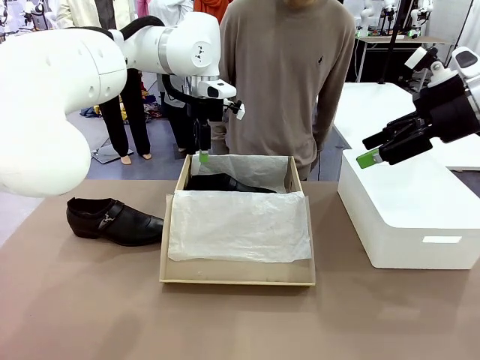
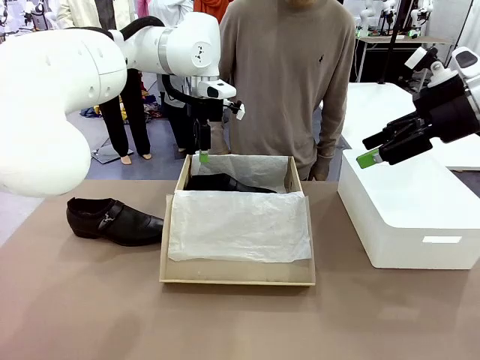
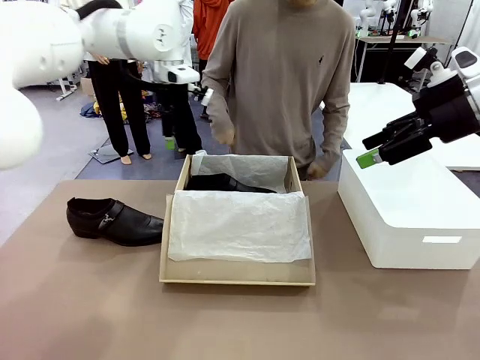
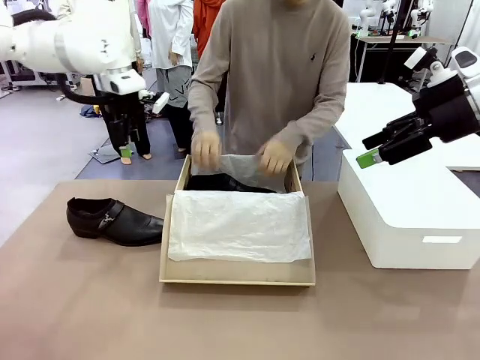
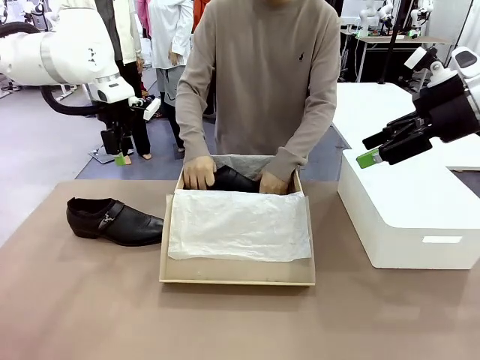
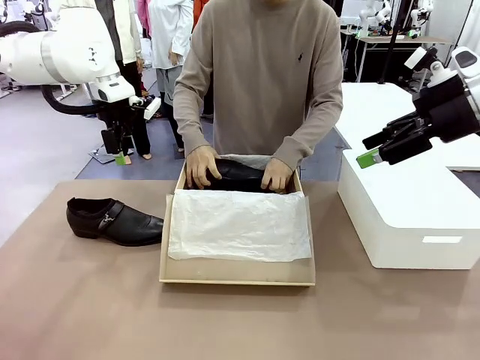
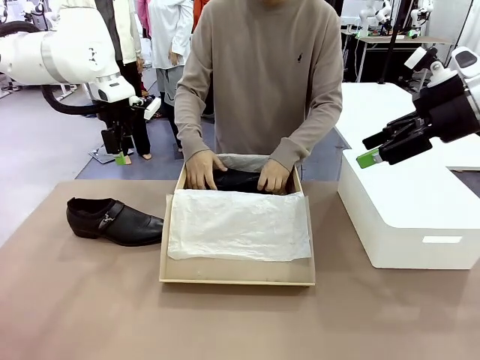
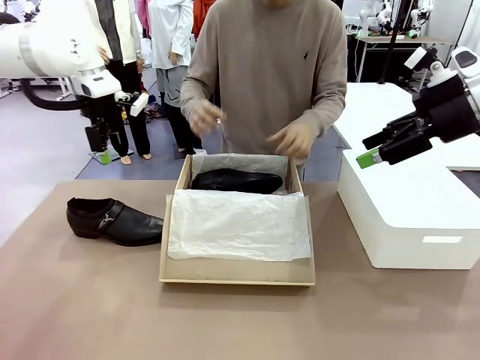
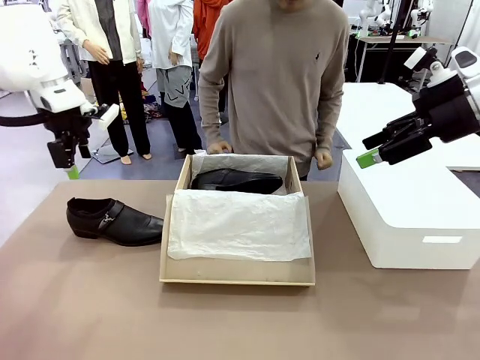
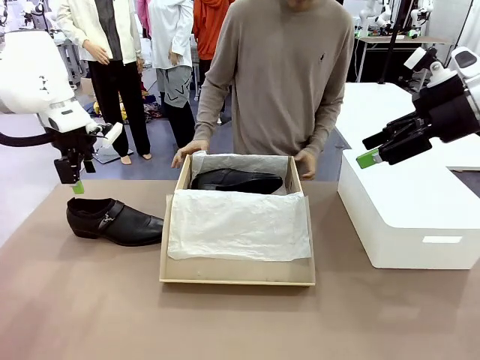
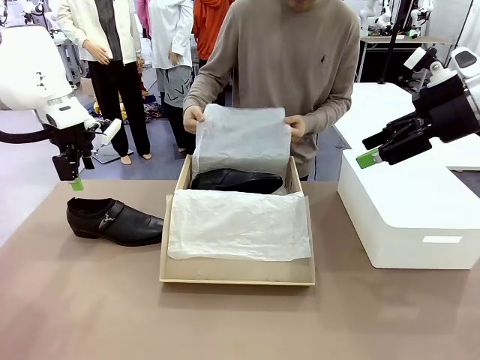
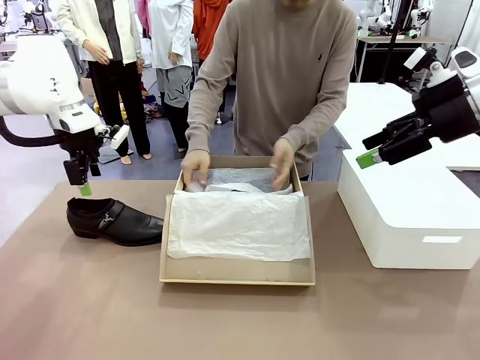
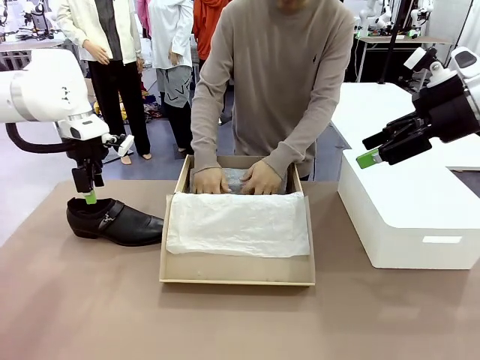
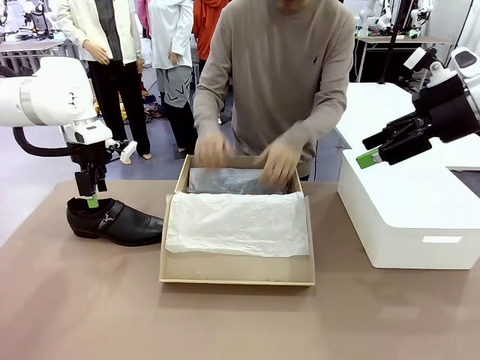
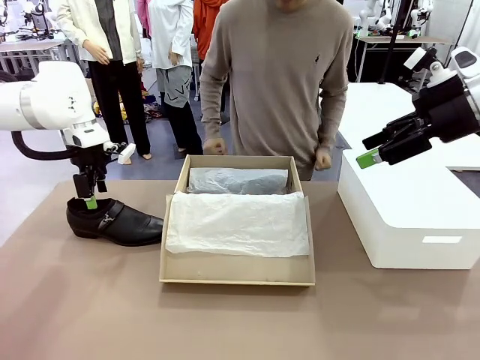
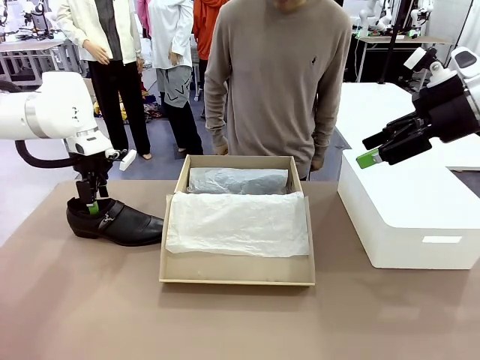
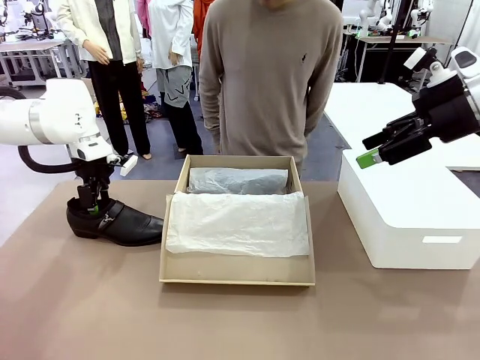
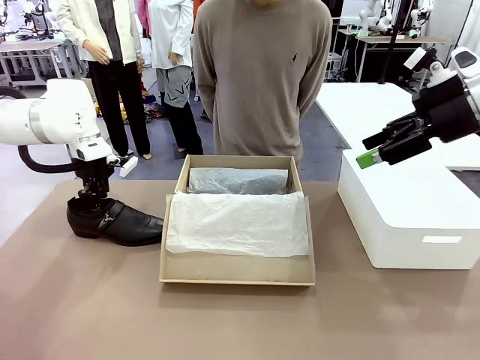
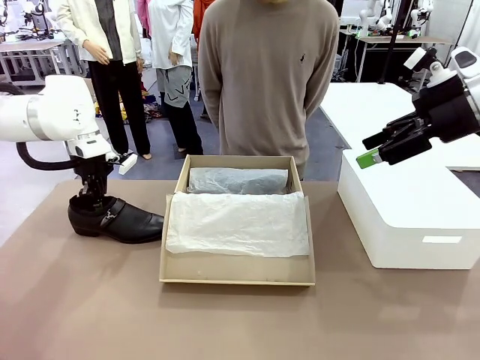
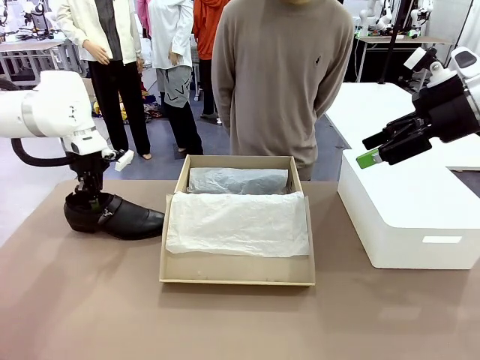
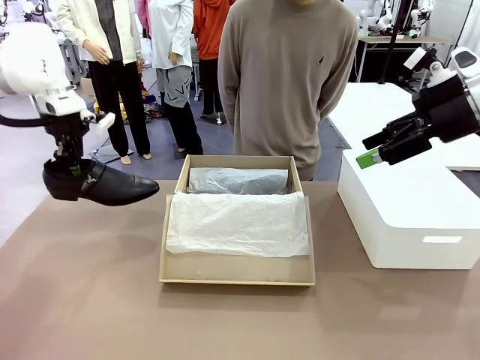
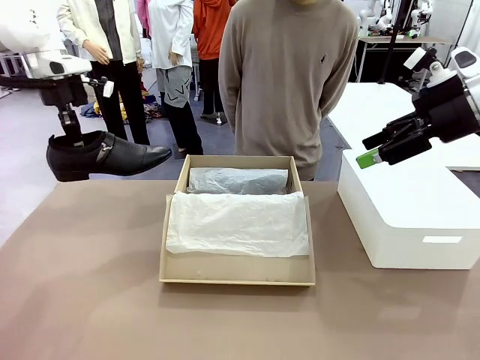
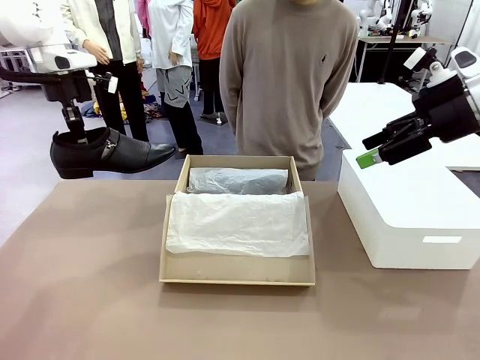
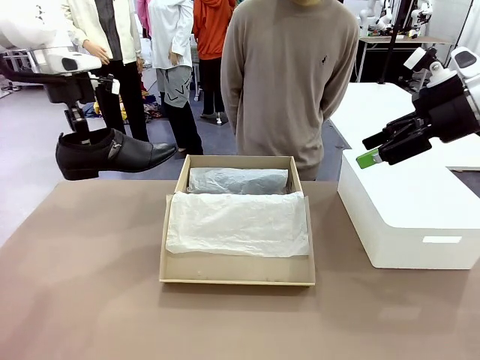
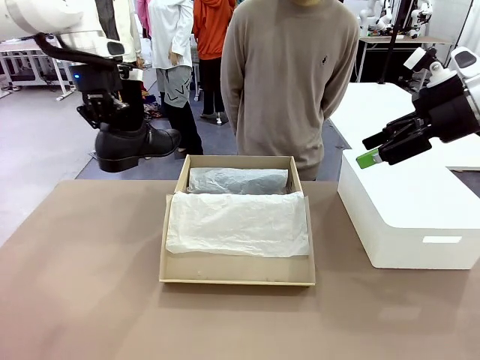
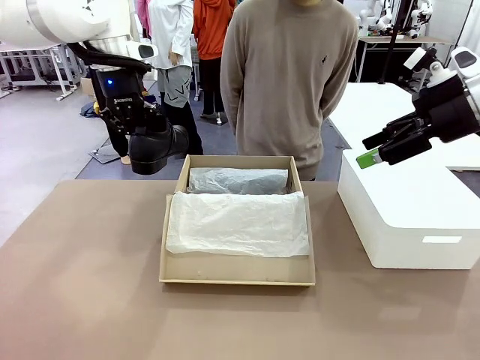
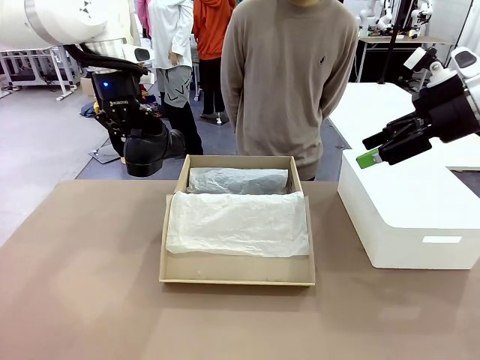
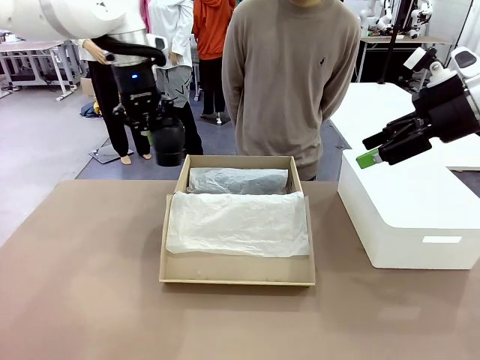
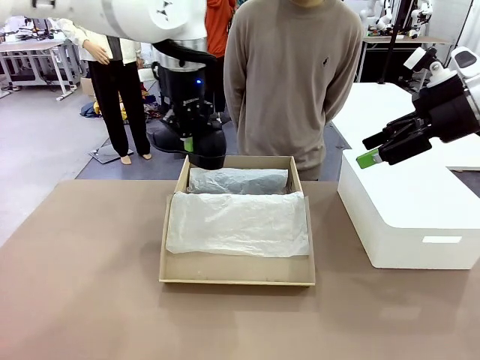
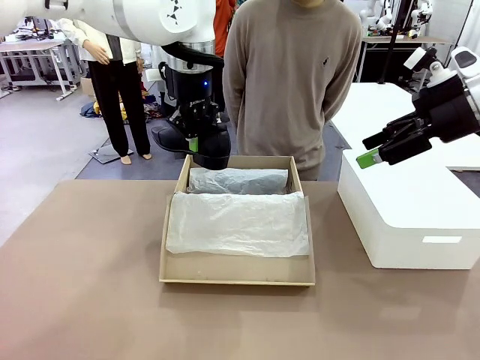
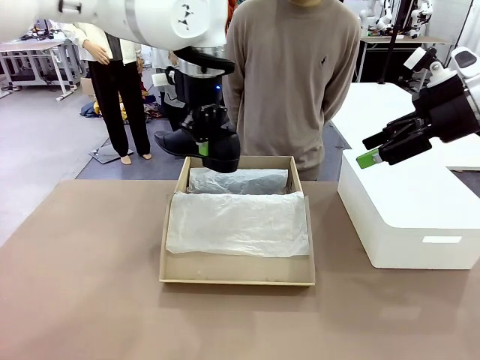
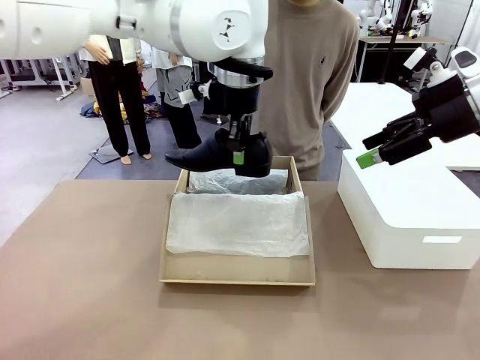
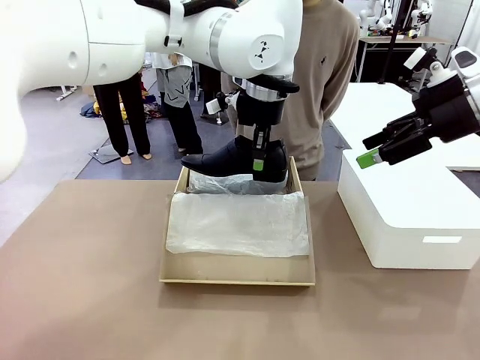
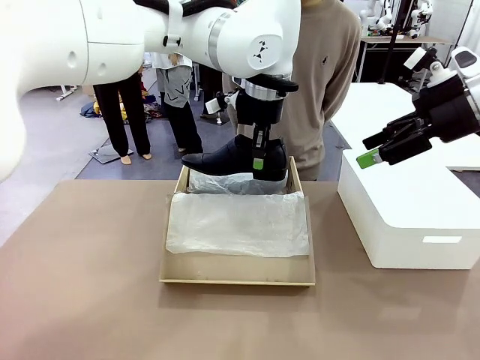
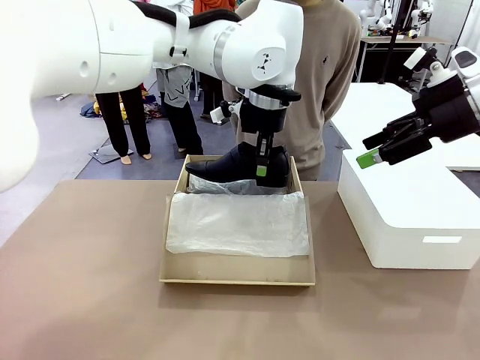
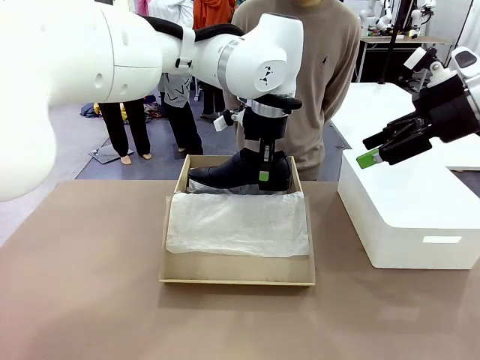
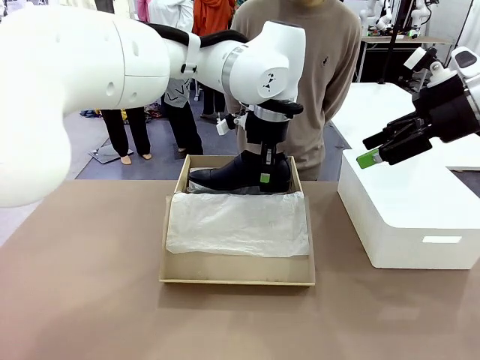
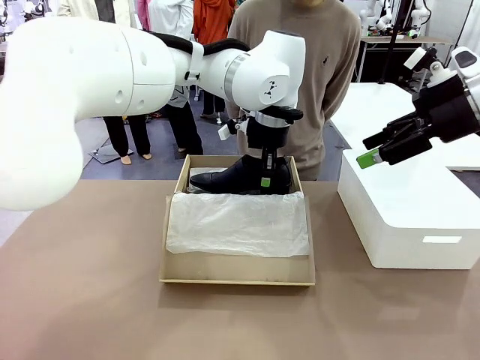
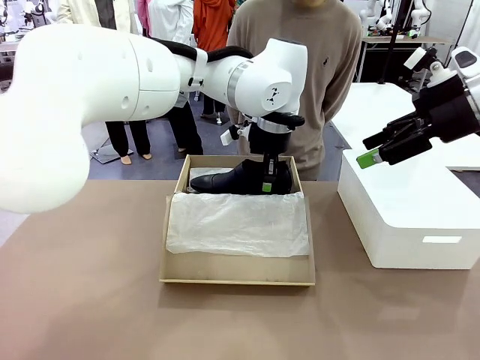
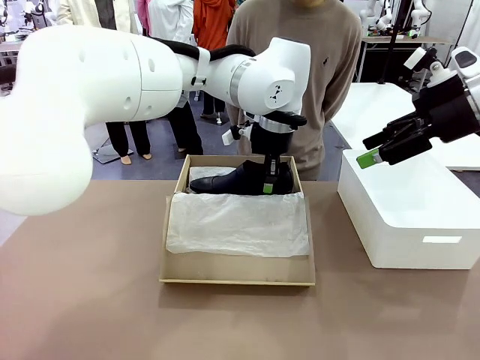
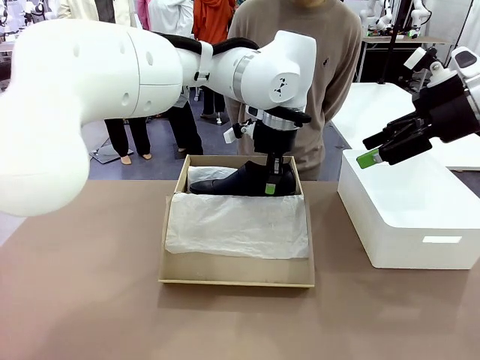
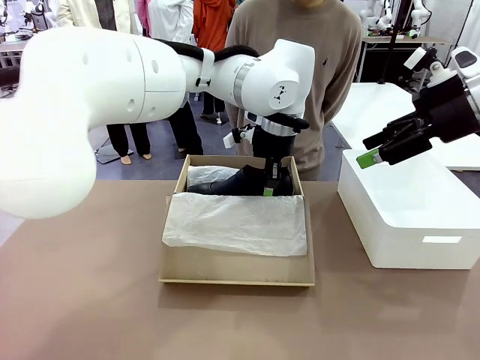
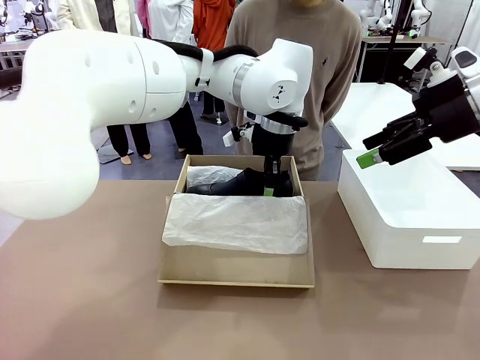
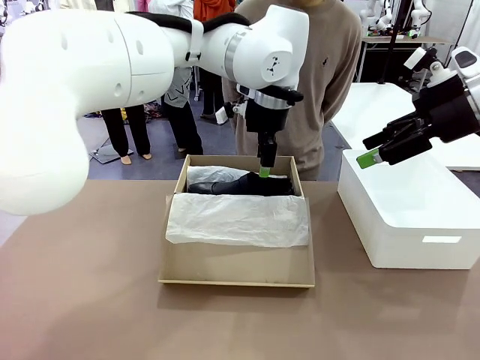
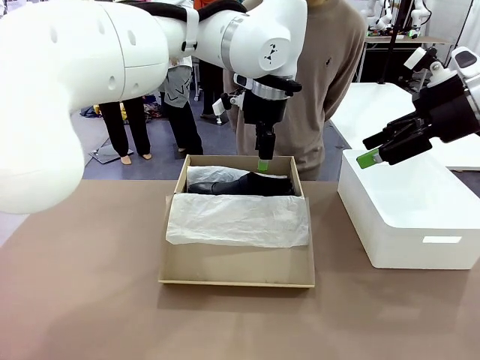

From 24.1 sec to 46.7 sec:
Task: Pack the shoes into the box.
Robot: Place the other shoe of the Shoes into the Shoes Box.
Person: Pack a shoe of Shoes inside the Shoes Box with Shoes Wrapping Paper.
